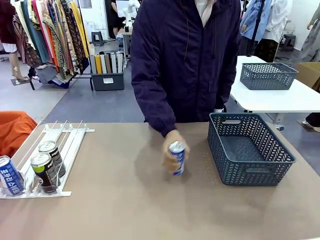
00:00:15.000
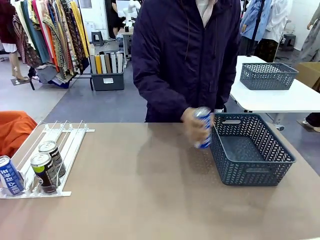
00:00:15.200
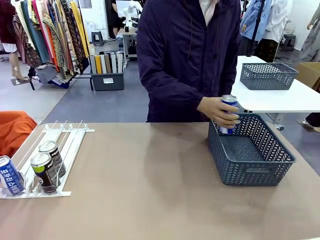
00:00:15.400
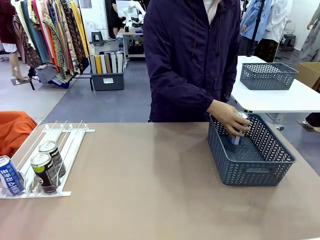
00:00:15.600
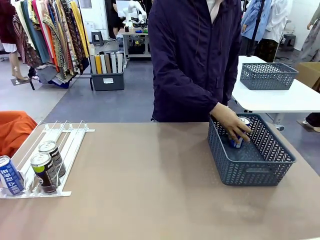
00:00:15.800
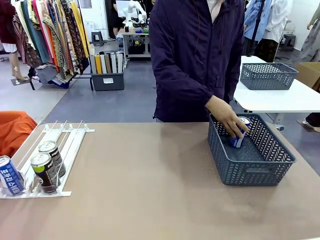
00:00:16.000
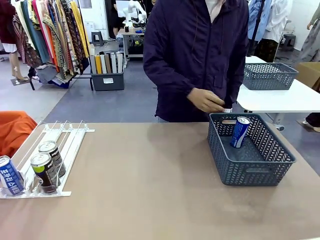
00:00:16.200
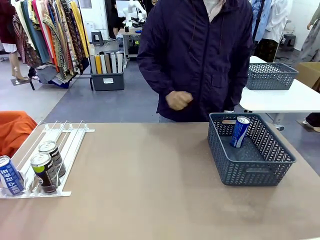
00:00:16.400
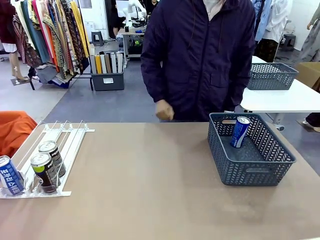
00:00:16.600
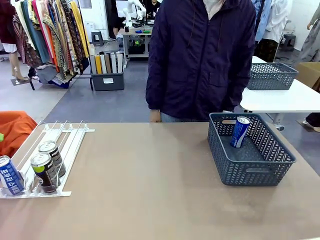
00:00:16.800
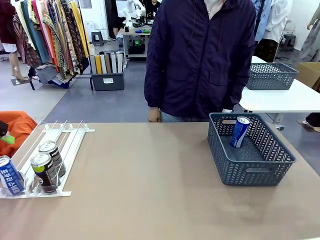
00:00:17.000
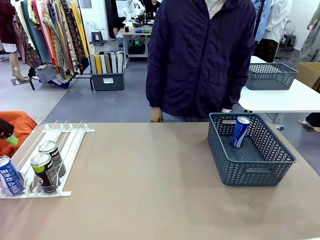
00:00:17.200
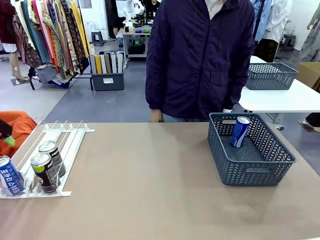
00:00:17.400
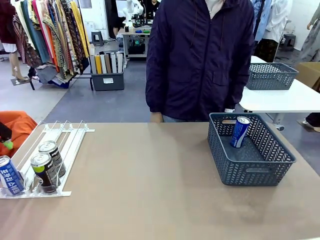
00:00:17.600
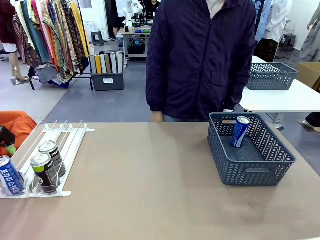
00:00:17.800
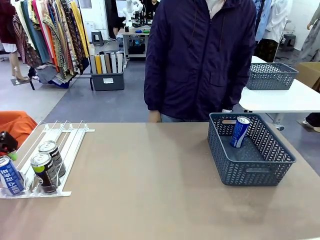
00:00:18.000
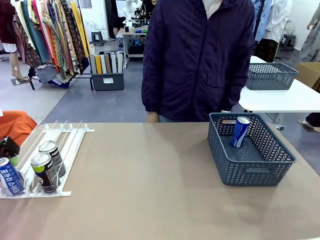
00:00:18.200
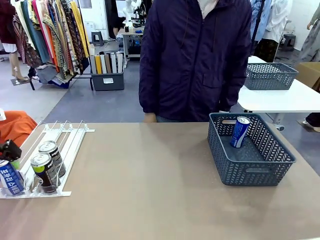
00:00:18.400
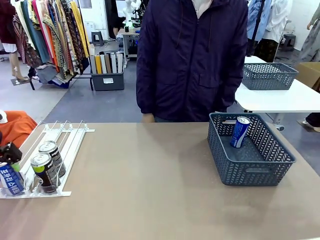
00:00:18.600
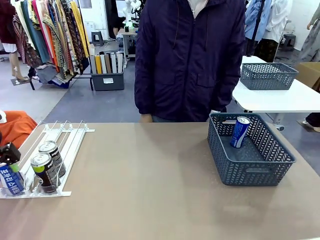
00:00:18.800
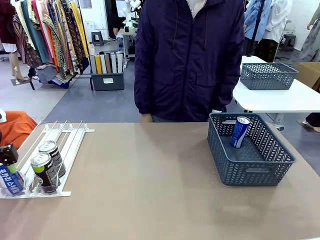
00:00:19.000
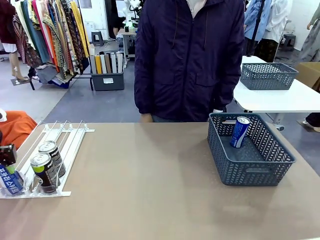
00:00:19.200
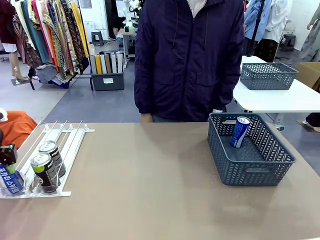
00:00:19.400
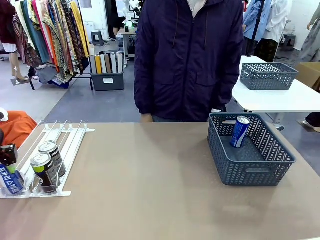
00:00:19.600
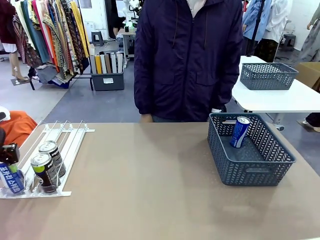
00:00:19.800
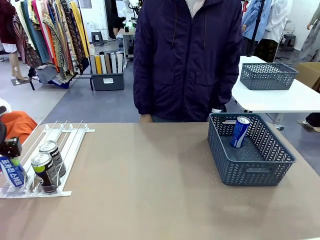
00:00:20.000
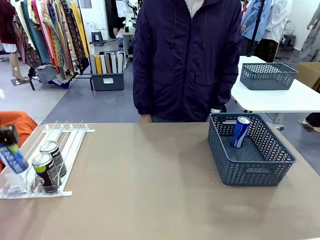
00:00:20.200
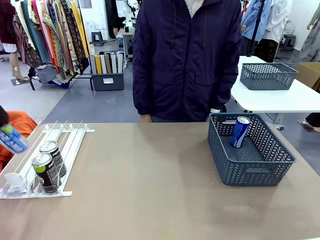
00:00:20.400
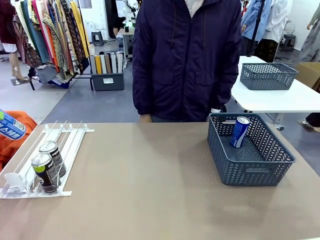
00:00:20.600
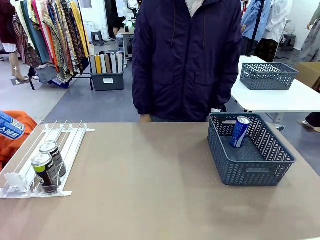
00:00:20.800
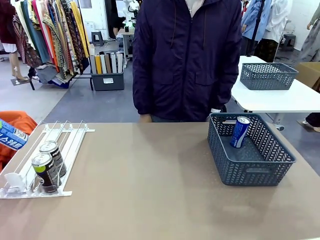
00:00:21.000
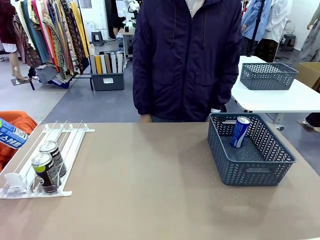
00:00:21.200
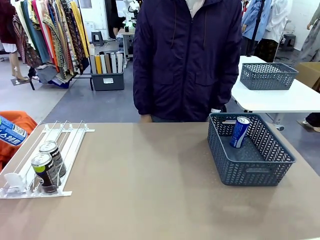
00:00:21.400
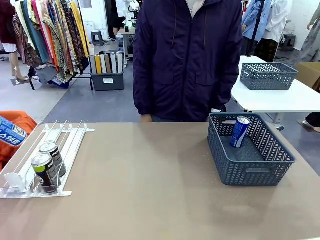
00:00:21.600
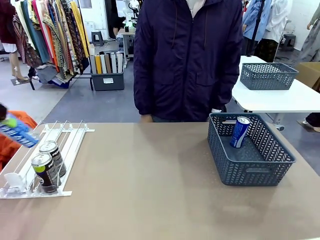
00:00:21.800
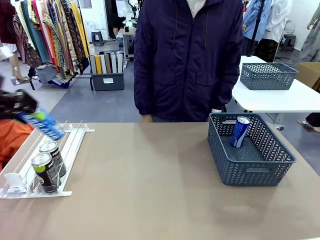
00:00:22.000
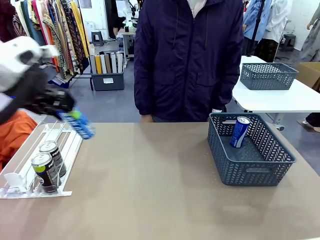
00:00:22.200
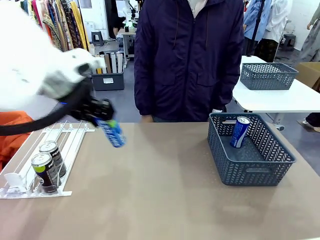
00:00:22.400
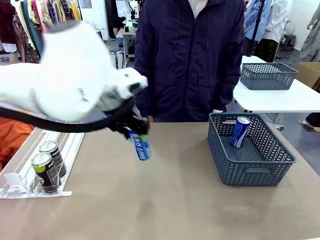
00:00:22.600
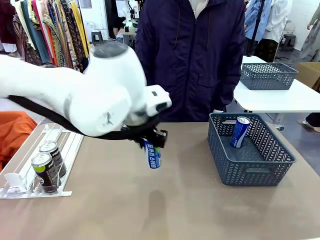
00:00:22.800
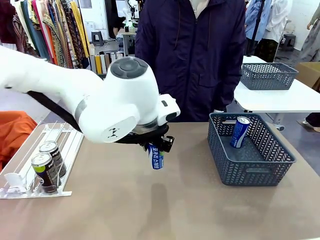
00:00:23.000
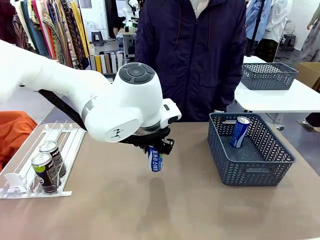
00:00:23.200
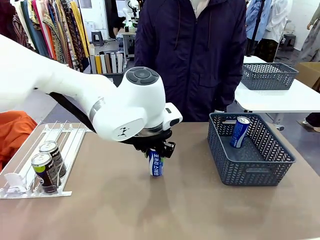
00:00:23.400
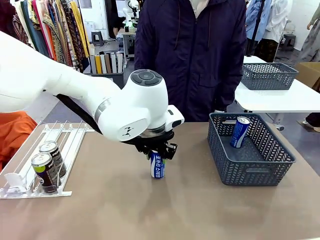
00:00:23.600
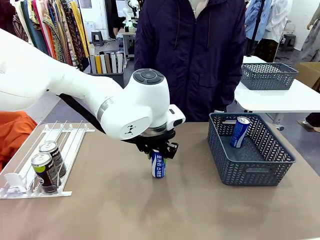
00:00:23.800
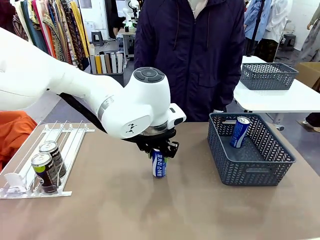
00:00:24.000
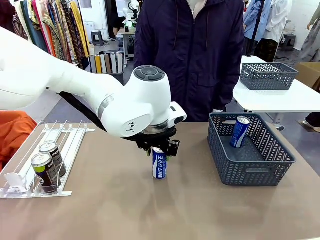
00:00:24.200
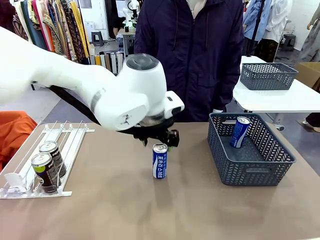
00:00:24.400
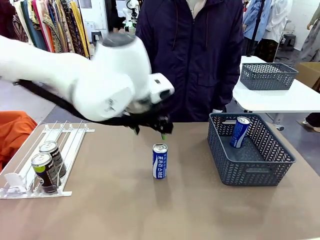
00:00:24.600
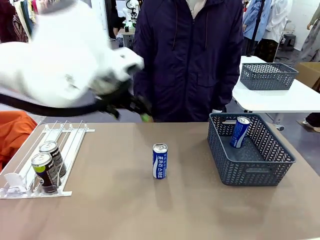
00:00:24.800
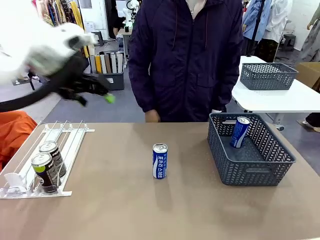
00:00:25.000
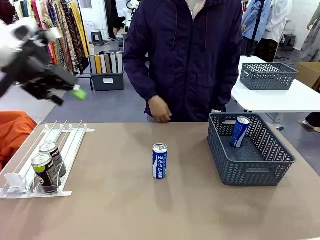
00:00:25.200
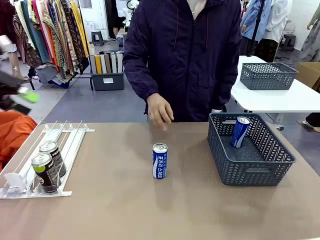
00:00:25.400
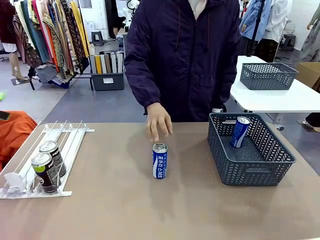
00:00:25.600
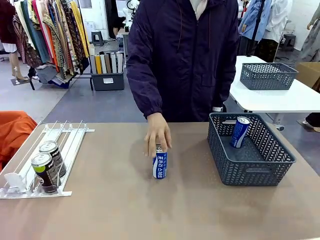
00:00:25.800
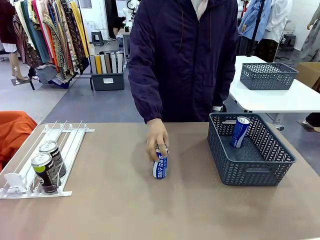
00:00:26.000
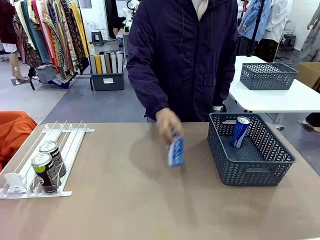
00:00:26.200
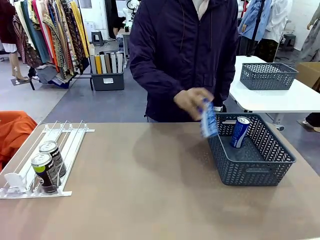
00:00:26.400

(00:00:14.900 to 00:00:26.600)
Task: Retrieve and store the cans from the dispenser.
Robot: Pick up the last remaining can from one row of the Automatic Can Dispenser and place it in the middle of the table.
Person: Pick up one Pepsi can from the middle of the robot table and place it in the basket.

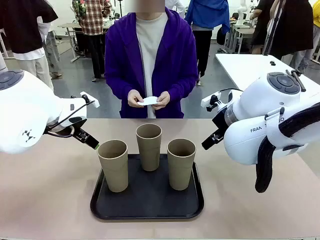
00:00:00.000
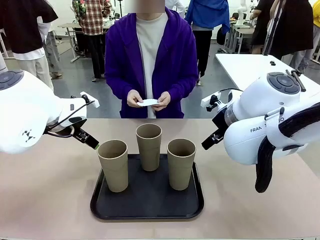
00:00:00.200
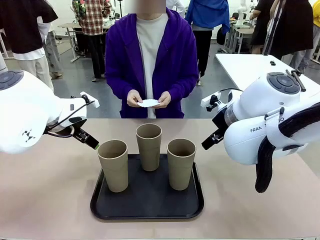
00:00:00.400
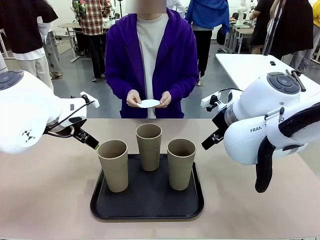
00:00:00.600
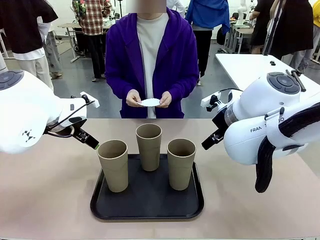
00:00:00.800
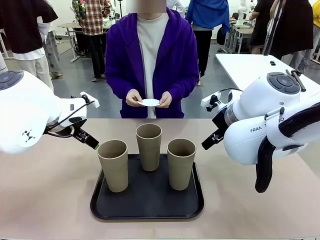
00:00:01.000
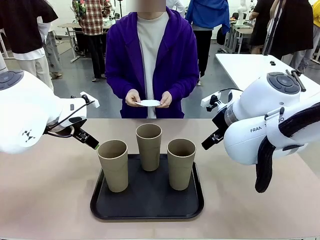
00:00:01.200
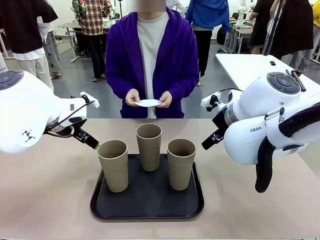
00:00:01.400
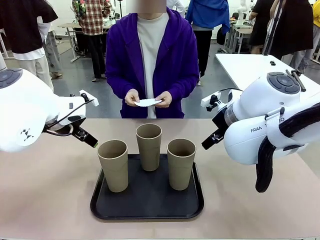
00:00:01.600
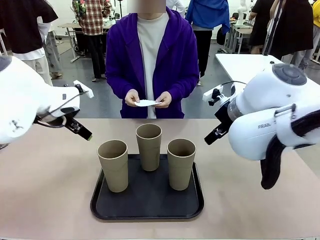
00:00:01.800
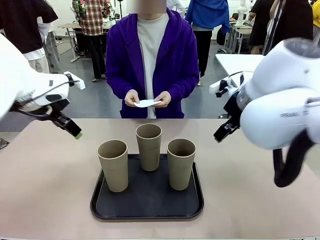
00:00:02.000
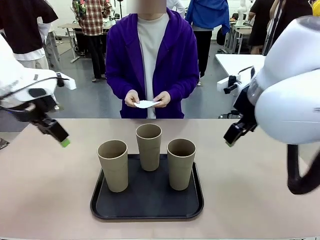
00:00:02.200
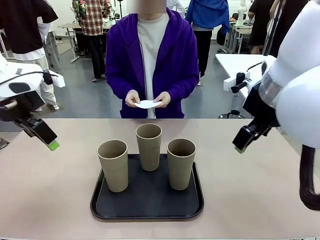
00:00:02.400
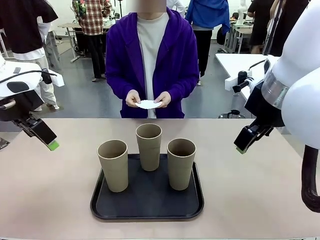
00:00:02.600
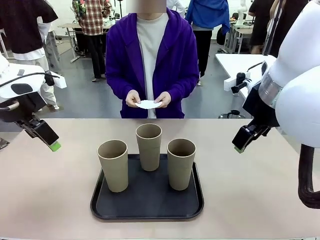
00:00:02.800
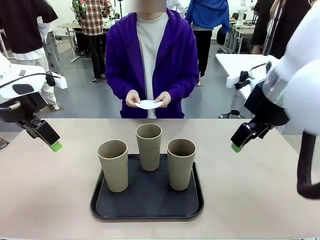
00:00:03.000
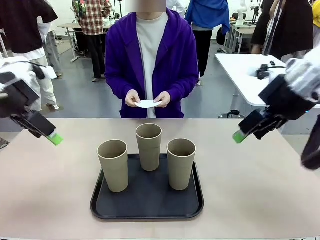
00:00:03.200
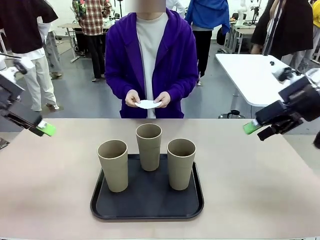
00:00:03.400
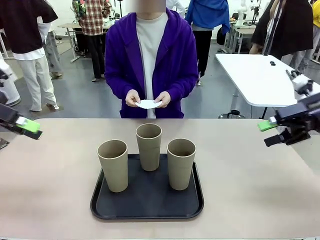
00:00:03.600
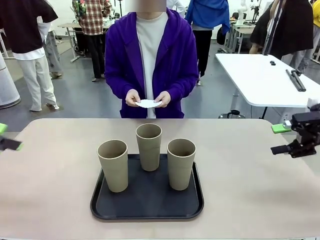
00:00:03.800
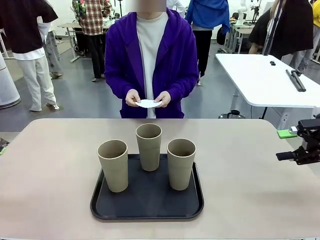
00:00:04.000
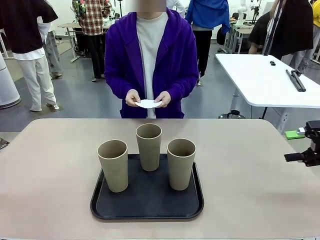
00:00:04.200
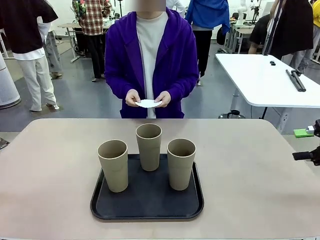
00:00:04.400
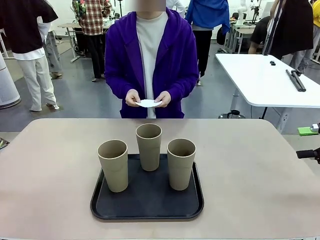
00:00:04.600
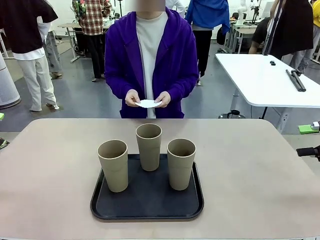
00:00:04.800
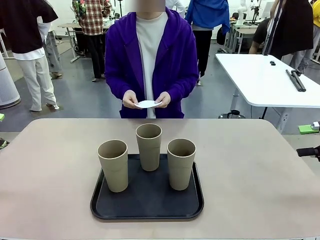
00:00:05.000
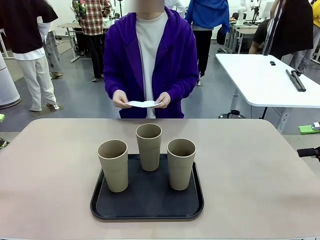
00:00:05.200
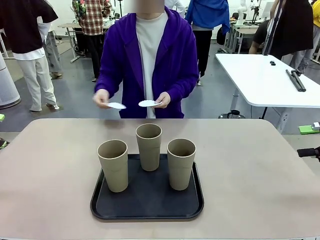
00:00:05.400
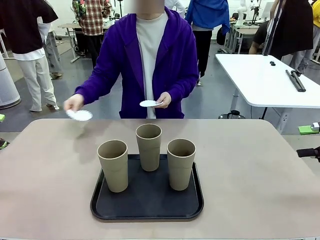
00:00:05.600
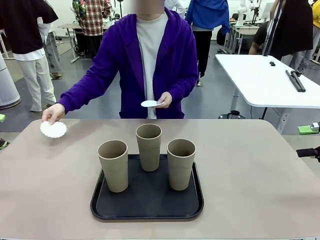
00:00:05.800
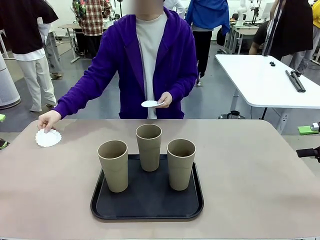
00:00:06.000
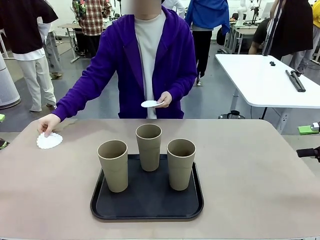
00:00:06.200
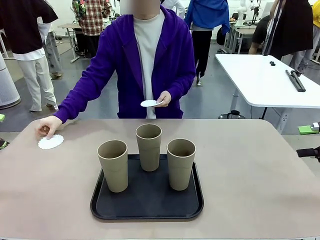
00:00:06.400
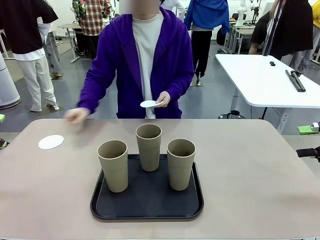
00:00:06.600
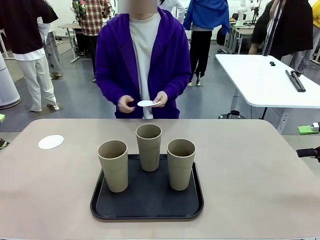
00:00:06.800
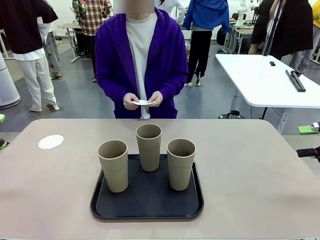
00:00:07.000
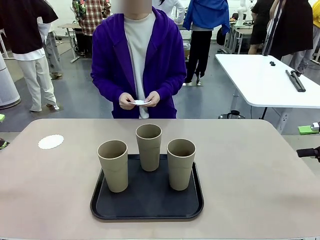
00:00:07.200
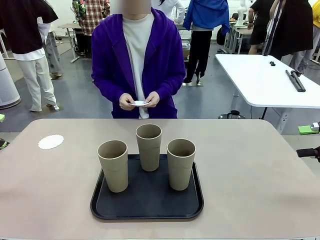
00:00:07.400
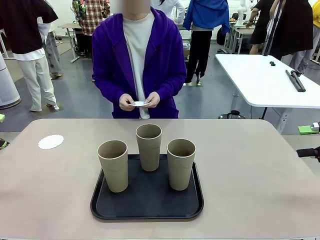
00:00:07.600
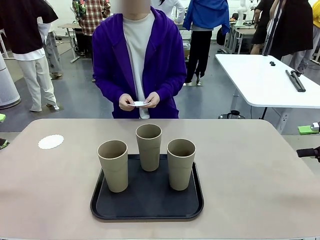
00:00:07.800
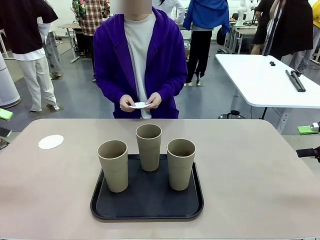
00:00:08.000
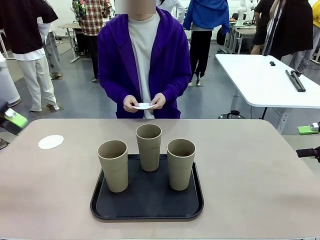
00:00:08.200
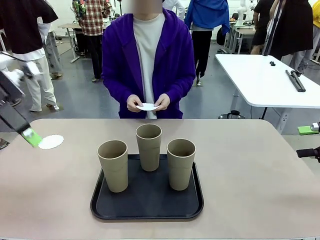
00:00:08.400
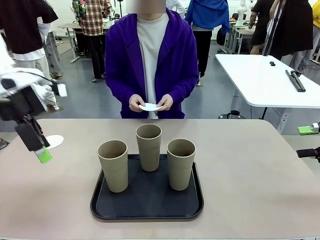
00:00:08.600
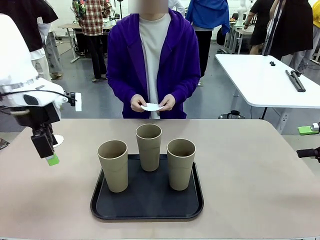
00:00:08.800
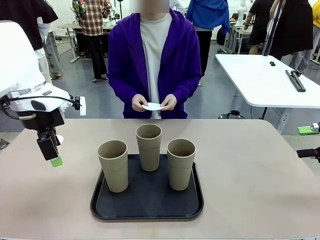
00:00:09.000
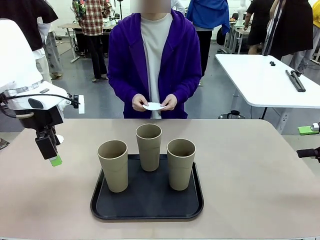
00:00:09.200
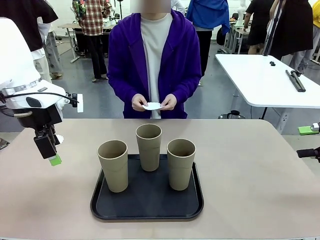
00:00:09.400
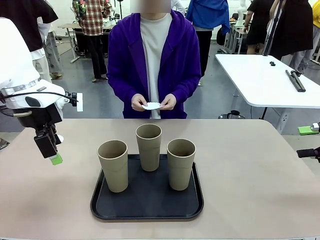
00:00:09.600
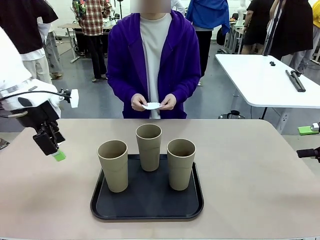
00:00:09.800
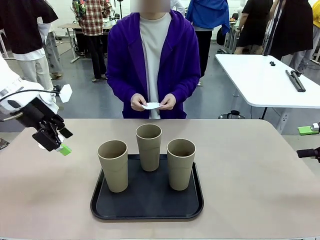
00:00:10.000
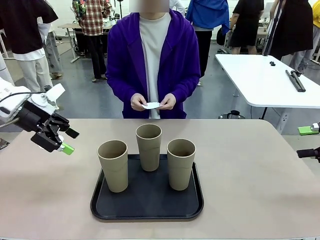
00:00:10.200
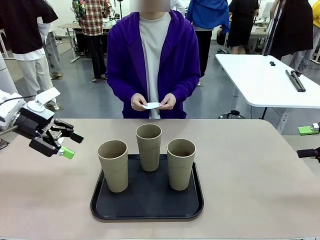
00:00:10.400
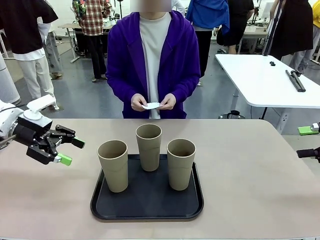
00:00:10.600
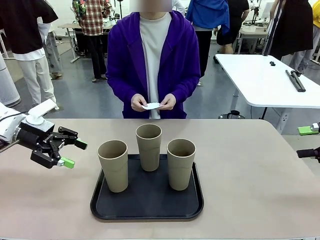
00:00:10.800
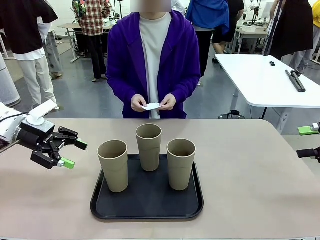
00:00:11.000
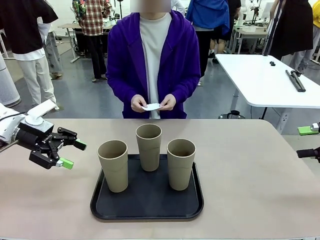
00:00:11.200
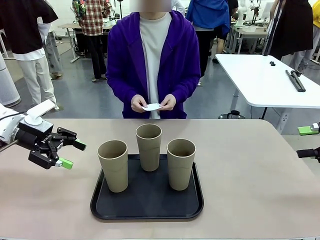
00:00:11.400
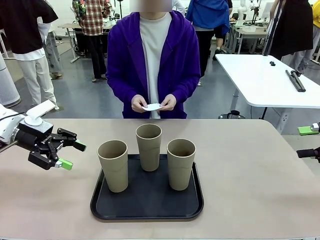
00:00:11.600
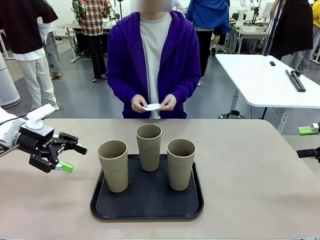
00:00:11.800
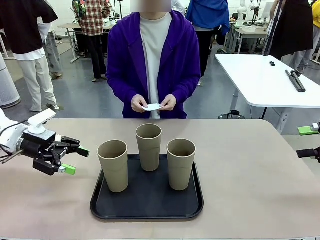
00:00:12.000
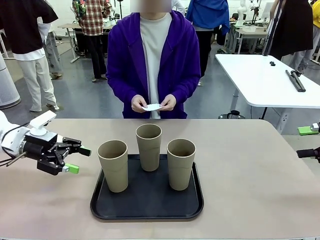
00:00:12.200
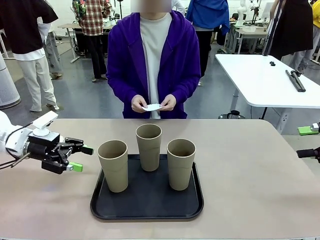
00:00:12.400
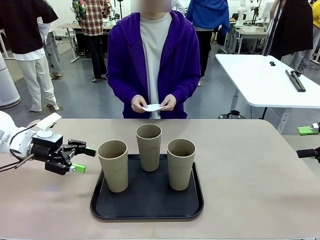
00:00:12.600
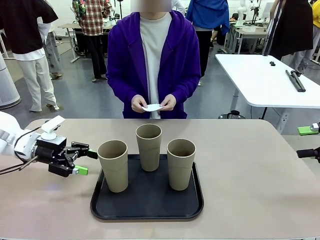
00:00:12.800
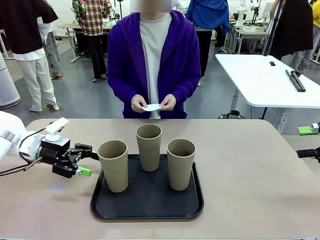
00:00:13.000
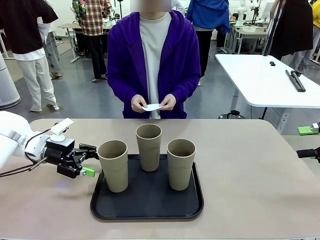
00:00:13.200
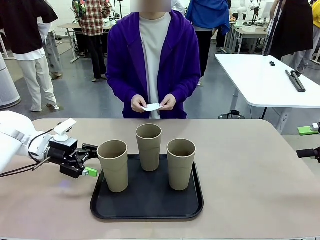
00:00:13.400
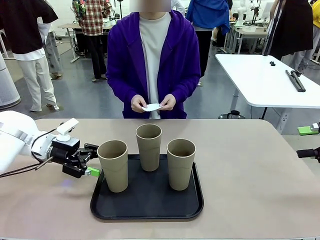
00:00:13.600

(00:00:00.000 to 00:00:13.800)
Task: Place coasters on the table and set cups on them.
Robot: Pick up one Reusable plastic cup and place it on a coaster set by the human.
Person: Place one coaster in any one of the three lower areas of the robot table (left, center, or right).
